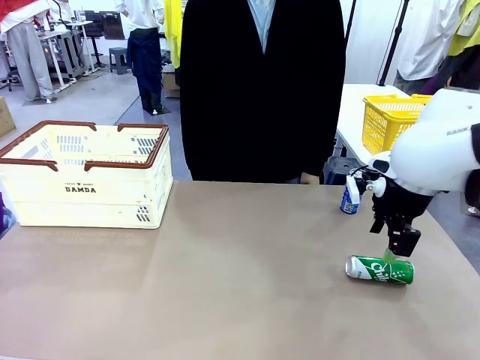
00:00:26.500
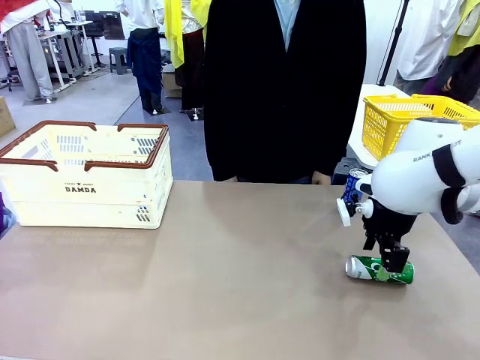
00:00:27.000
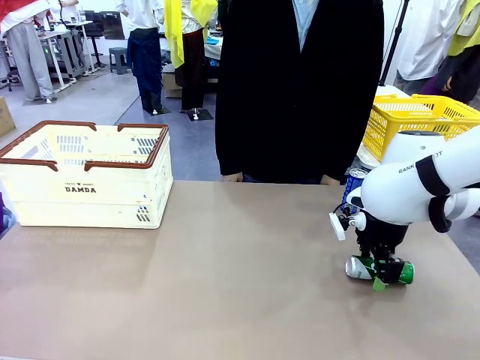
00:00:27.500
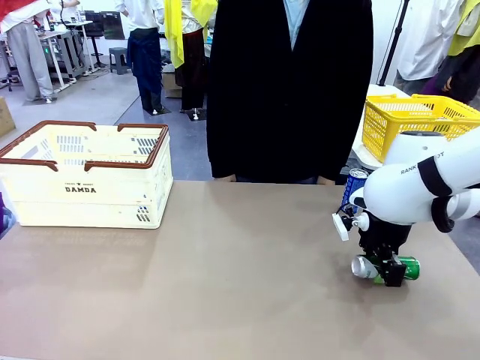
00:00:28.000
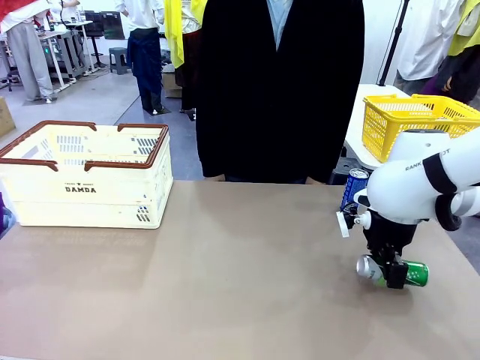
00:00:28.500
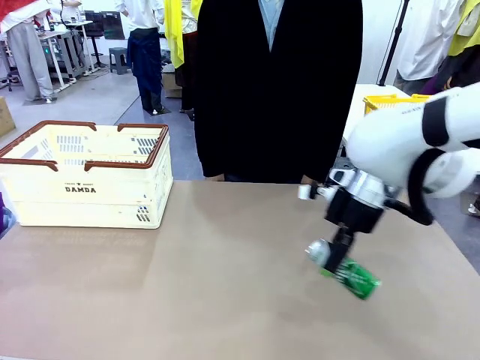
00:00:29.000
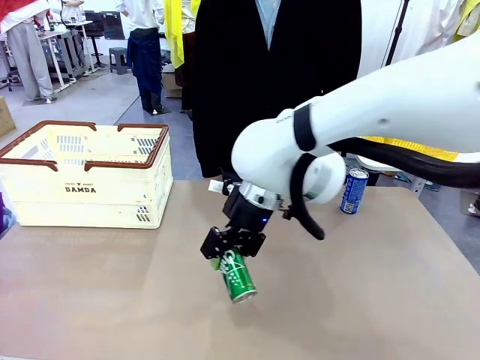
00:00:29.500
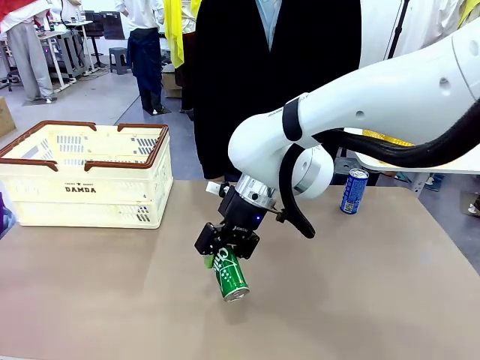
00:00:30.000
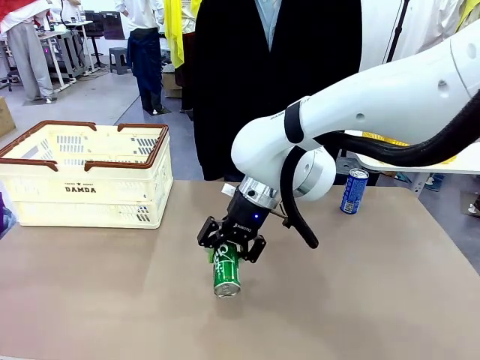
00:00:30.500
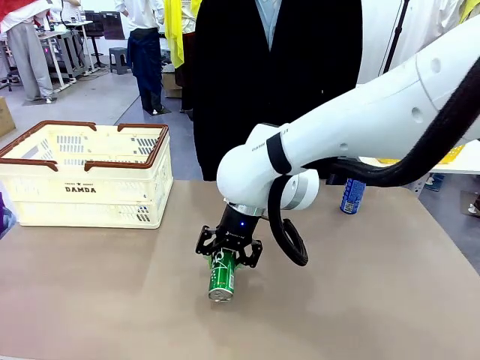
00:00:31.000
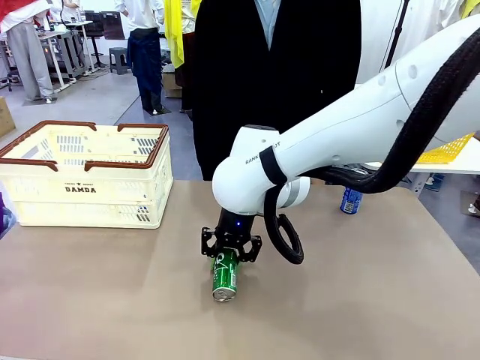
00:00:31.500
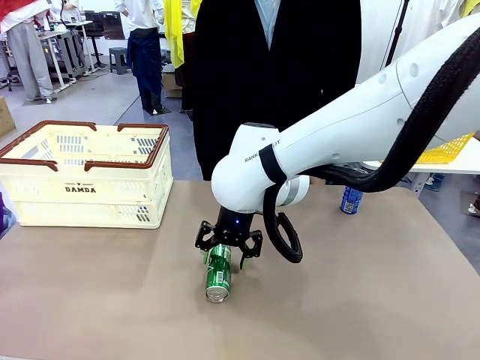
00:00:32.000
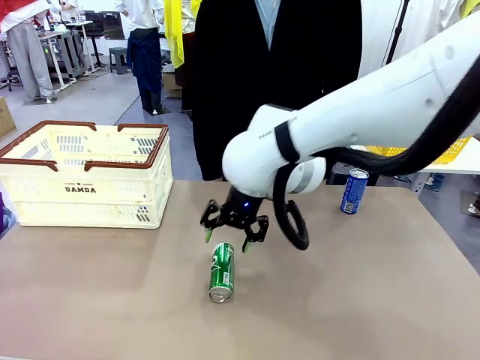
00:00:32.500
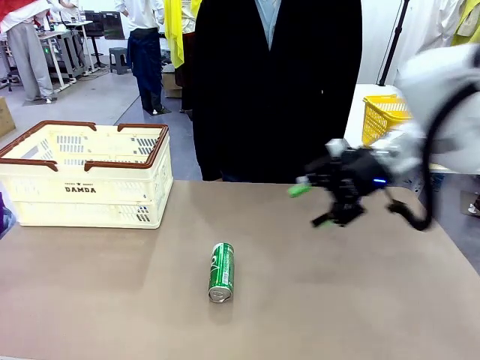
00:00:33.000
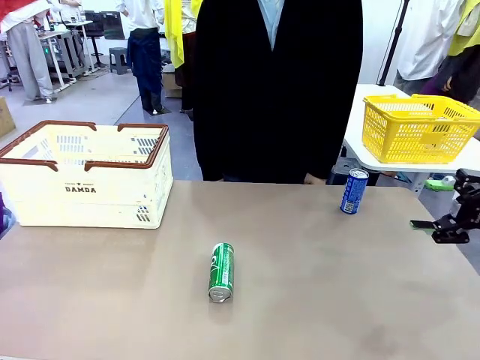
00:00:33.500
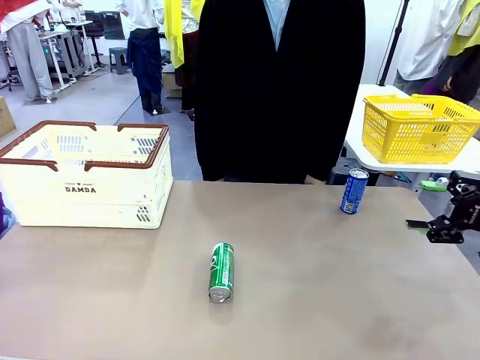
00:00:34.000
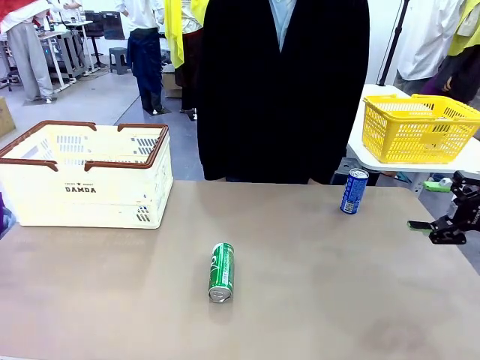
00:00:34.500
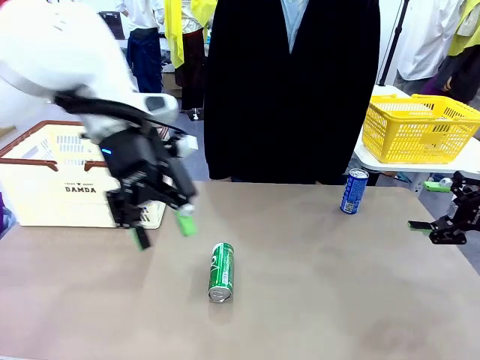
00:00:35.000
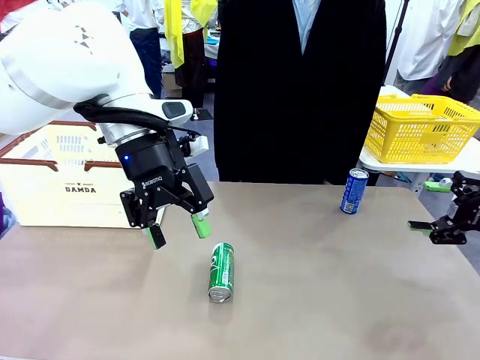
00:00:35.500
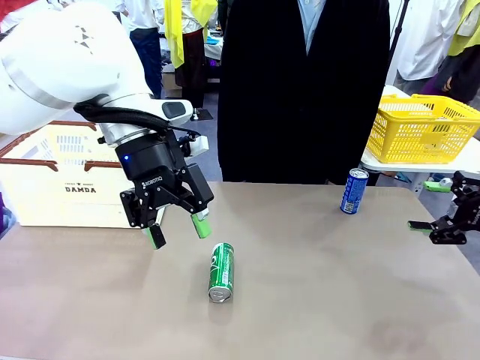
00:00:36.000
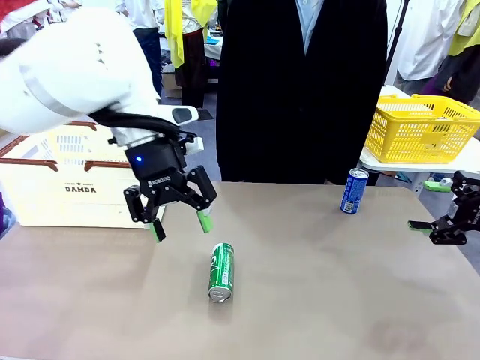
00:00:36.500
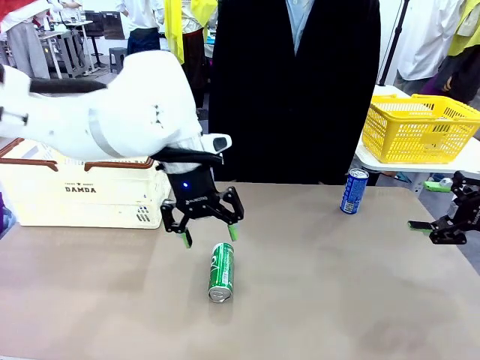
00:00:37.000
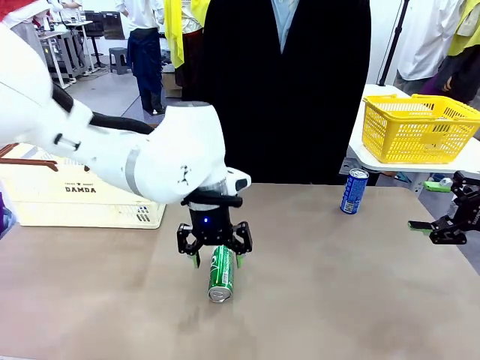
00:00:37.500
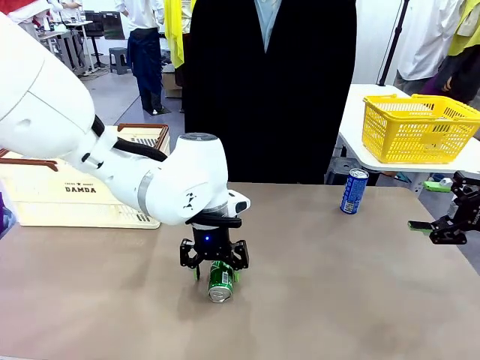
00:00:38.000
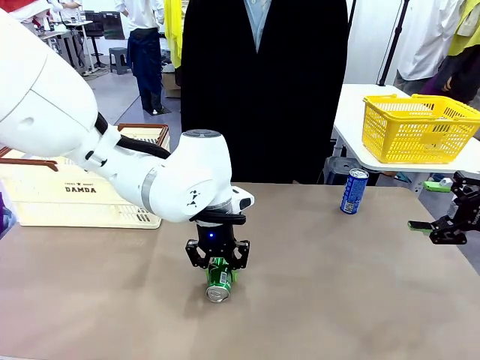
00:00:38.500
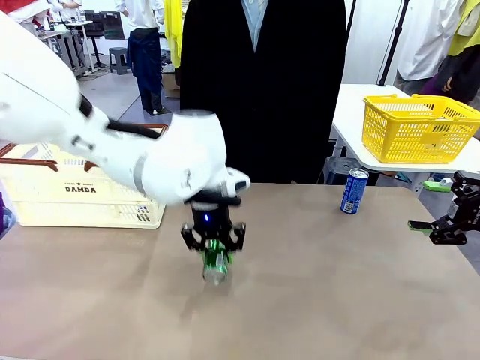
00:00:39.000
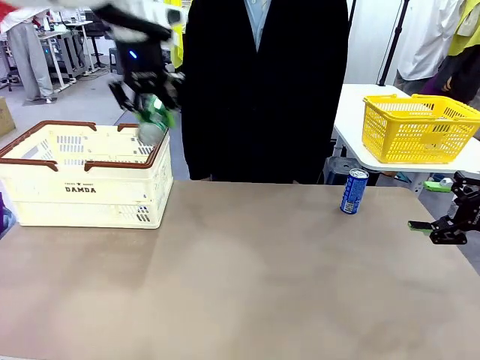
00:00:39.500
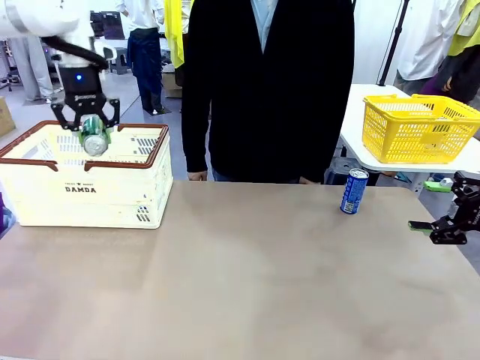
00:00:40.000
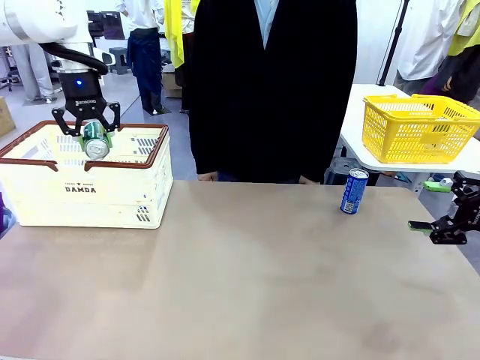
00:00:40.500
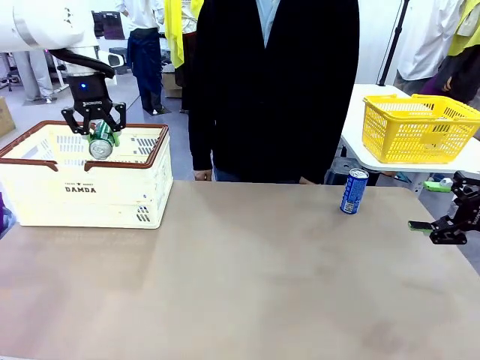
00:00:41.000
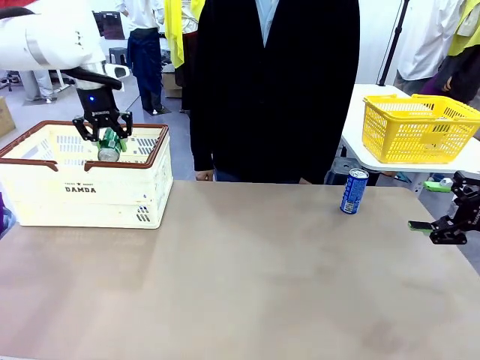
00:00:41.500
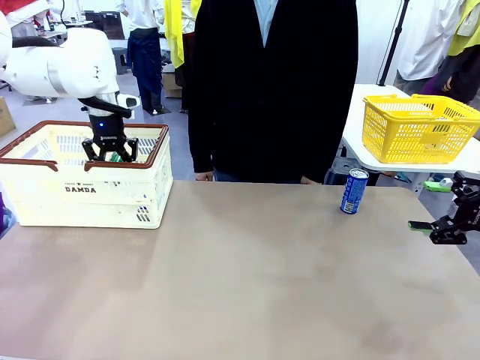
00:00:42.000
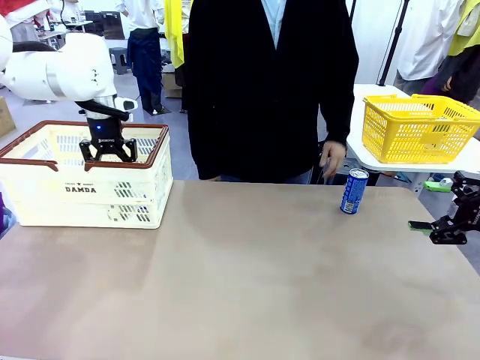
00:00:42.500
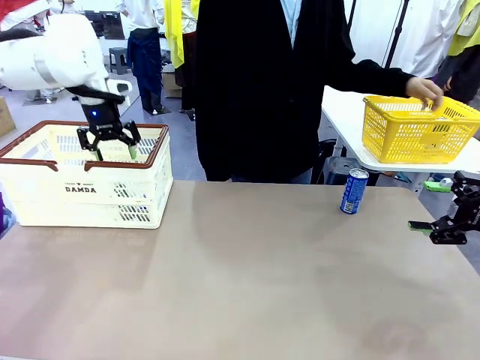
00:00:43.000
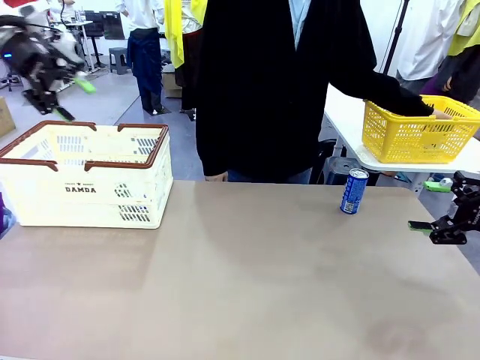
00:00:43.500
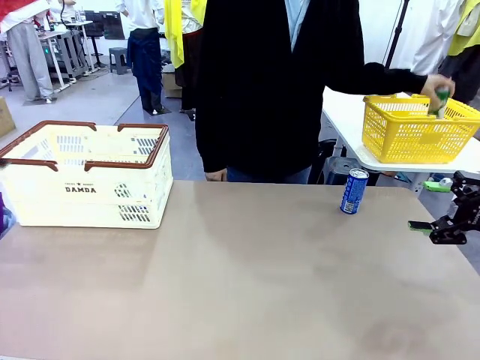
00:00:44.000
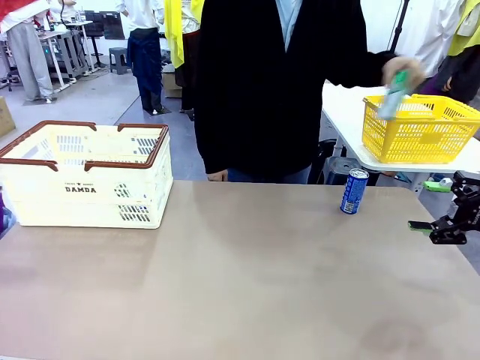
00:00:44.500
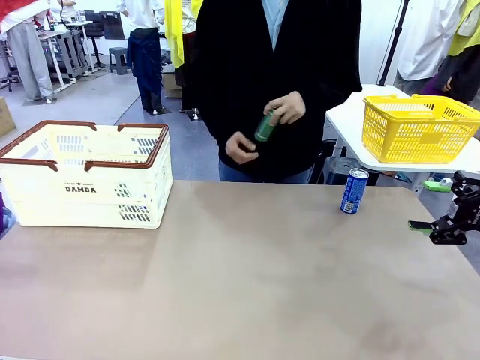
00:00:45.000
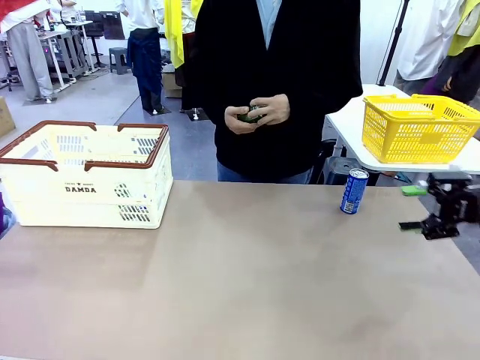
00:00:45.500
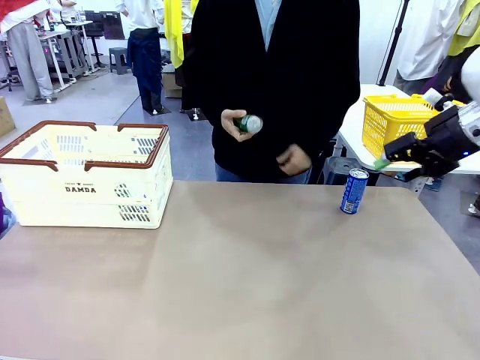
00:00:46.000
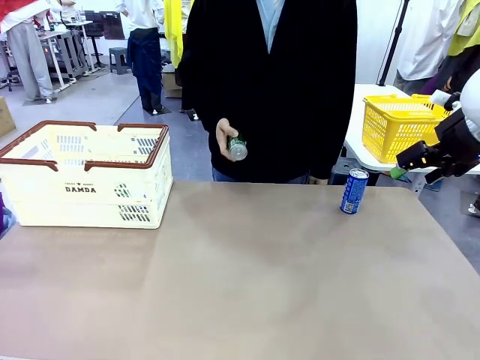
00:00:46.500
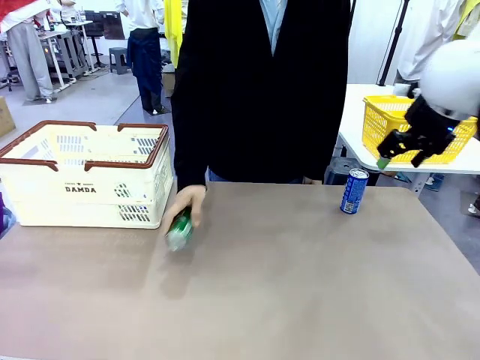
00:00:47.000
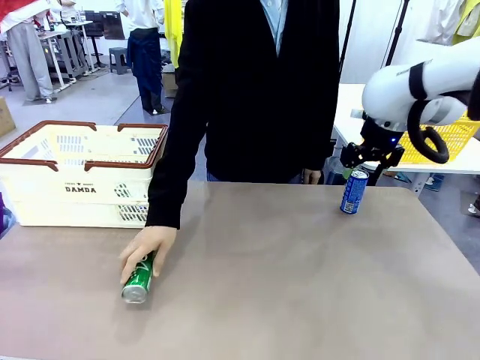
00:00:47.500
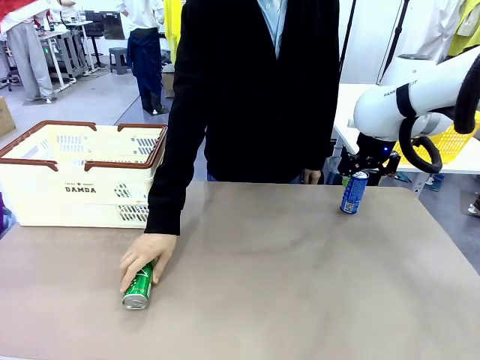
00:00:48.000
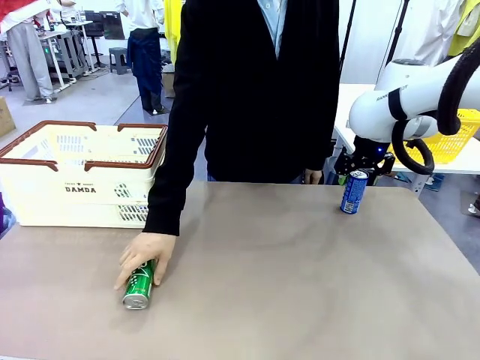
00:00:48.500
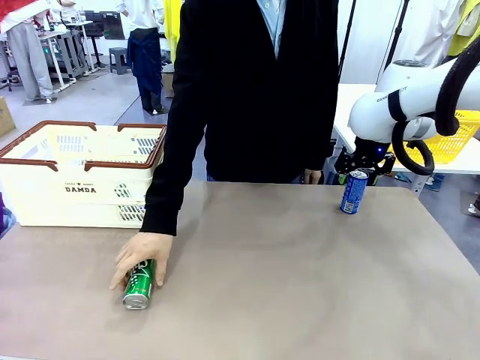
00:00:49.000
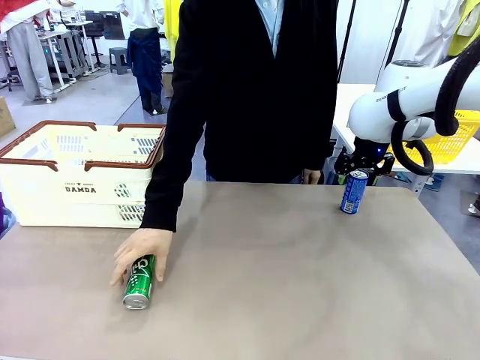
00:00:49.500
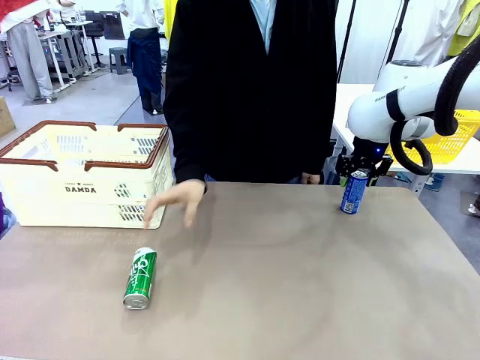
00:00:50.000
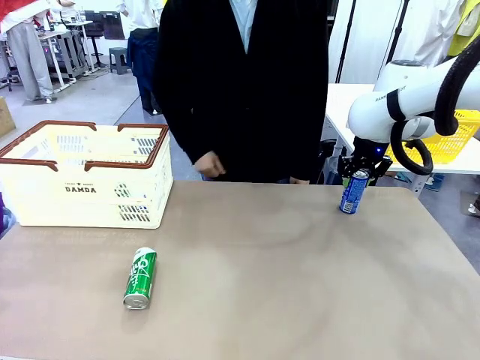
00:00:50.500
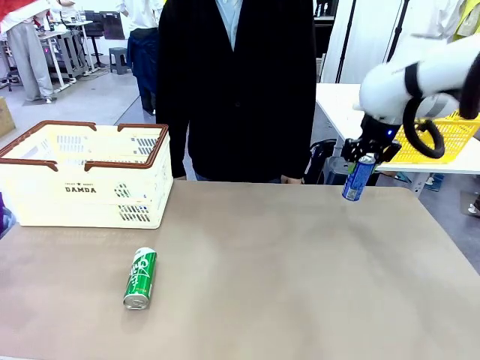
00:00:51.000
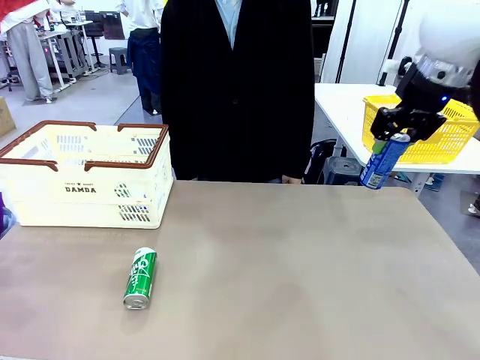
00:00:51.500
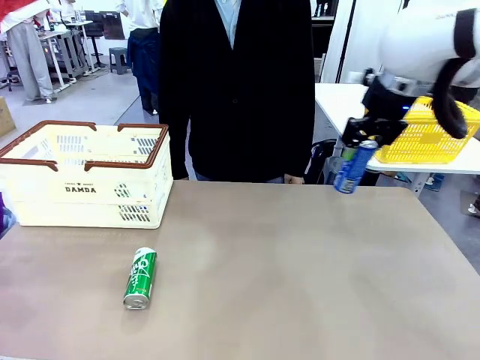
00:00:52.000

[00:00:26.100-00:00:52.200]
Task: Place the drinks into the Shopping basket.
Robot: Pick up one drink and place it into the Shopping basket.
